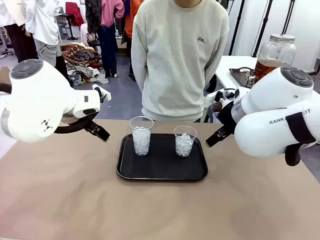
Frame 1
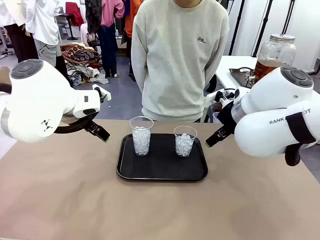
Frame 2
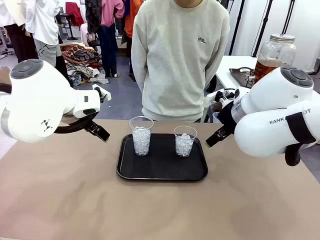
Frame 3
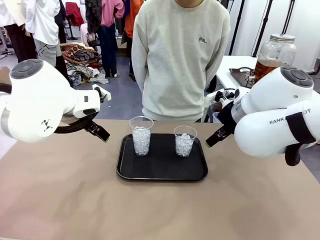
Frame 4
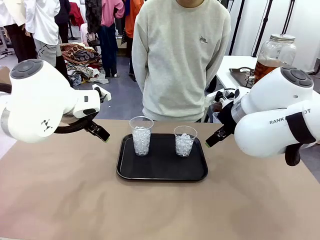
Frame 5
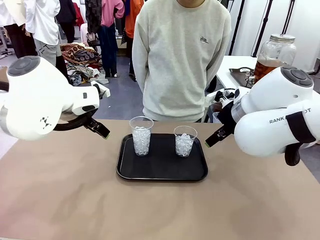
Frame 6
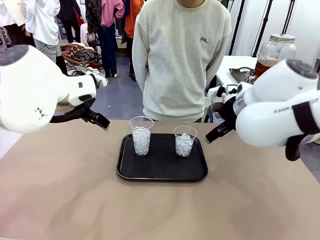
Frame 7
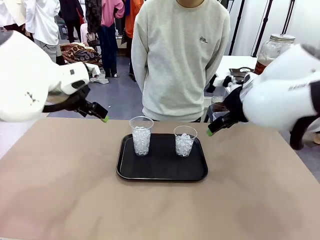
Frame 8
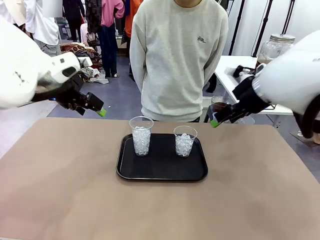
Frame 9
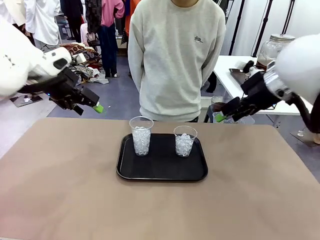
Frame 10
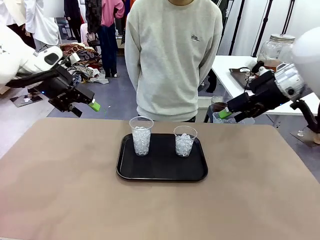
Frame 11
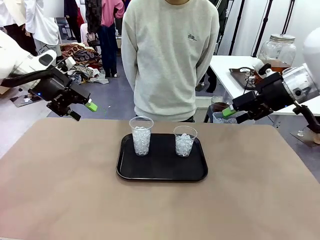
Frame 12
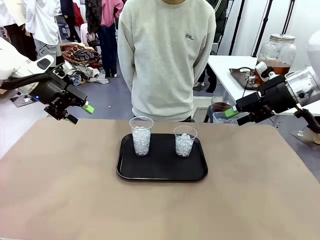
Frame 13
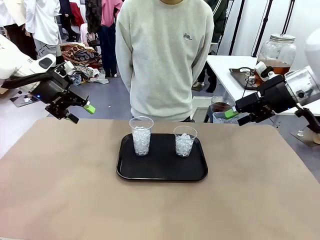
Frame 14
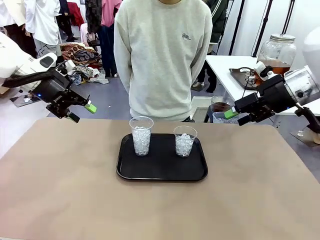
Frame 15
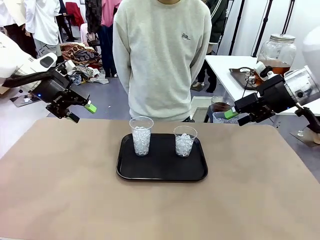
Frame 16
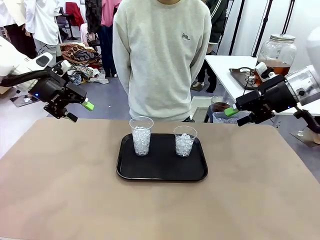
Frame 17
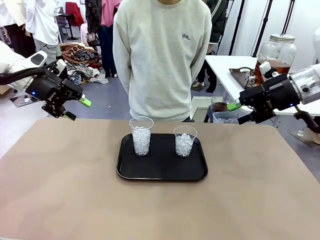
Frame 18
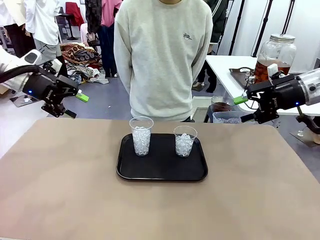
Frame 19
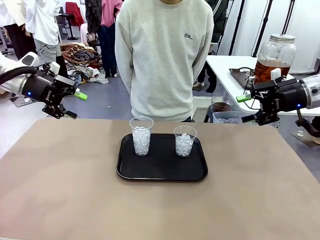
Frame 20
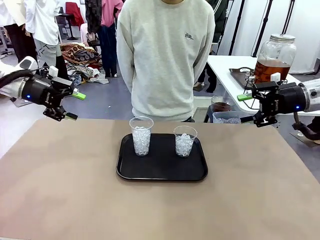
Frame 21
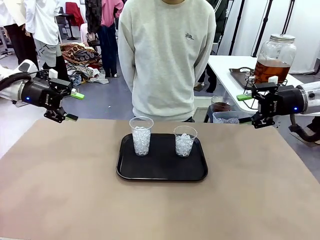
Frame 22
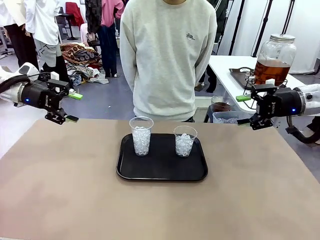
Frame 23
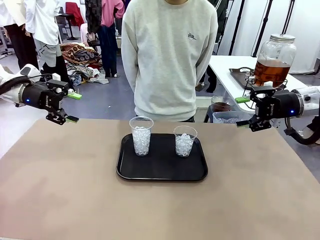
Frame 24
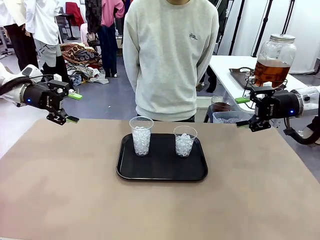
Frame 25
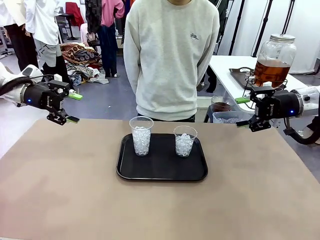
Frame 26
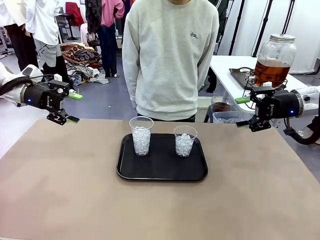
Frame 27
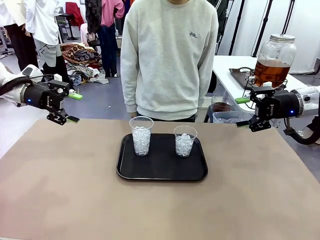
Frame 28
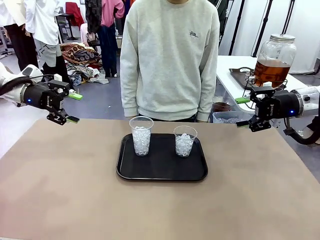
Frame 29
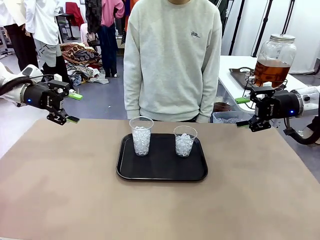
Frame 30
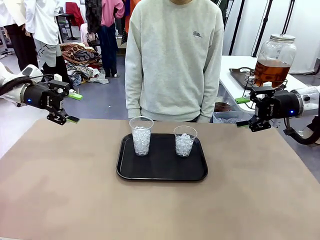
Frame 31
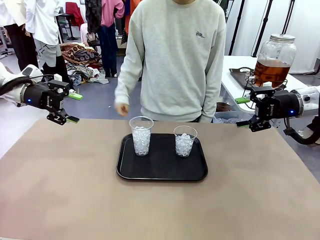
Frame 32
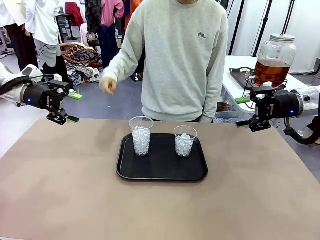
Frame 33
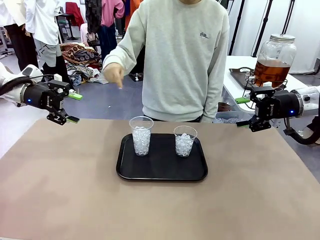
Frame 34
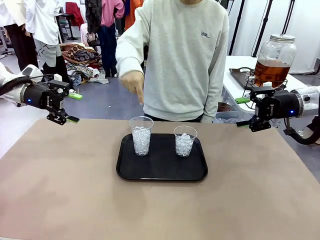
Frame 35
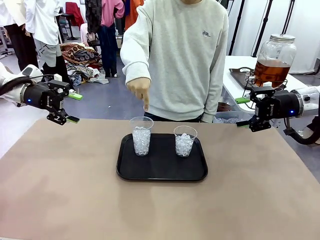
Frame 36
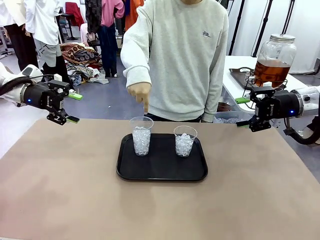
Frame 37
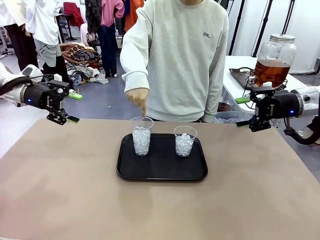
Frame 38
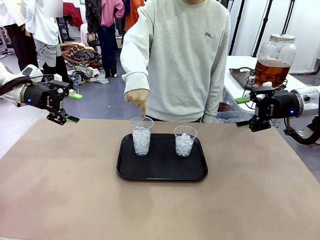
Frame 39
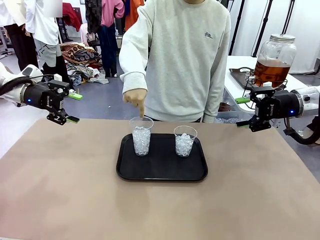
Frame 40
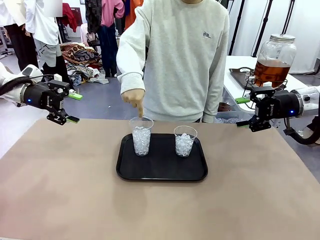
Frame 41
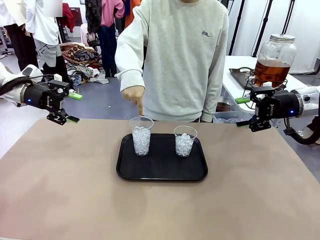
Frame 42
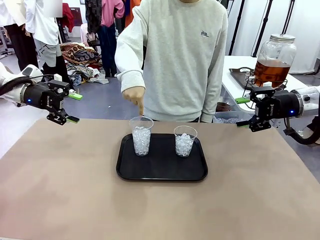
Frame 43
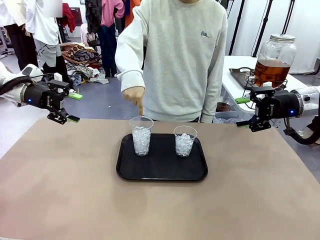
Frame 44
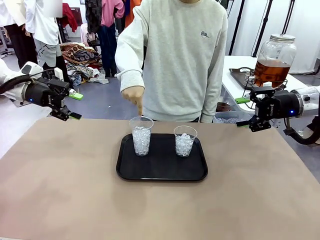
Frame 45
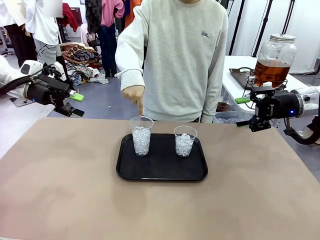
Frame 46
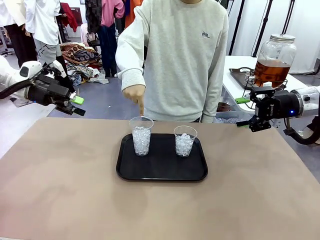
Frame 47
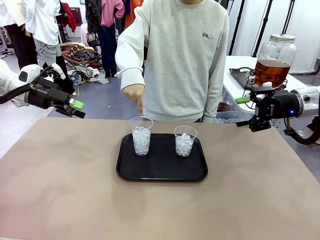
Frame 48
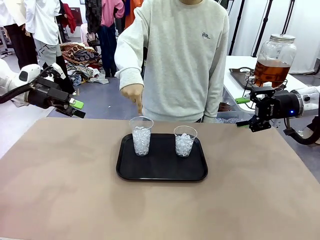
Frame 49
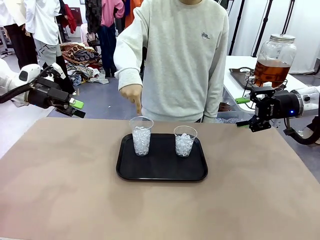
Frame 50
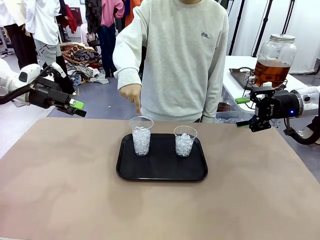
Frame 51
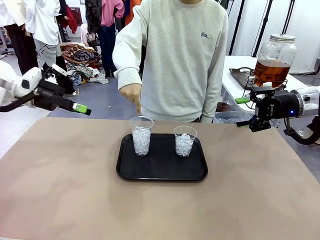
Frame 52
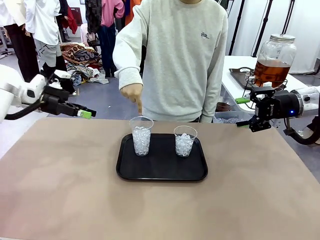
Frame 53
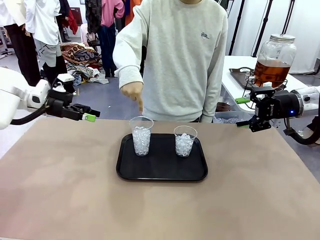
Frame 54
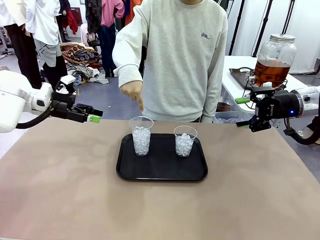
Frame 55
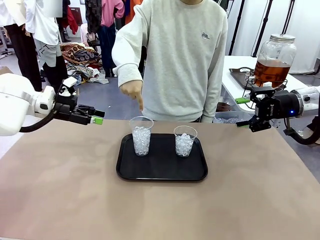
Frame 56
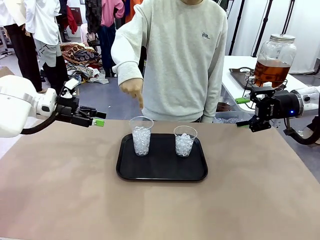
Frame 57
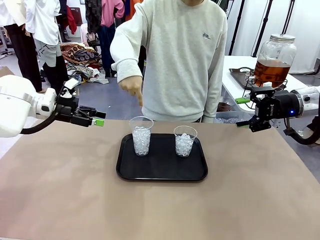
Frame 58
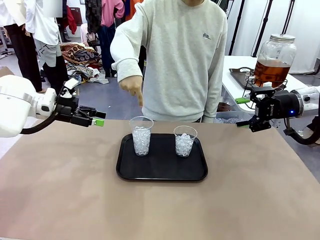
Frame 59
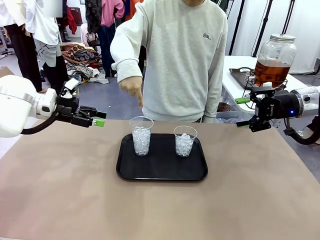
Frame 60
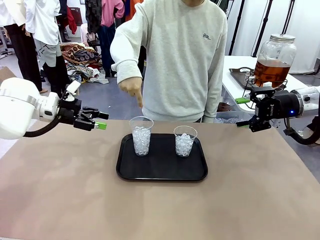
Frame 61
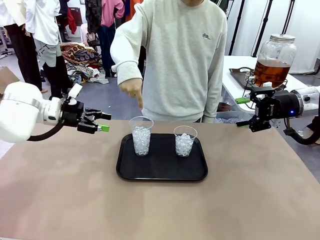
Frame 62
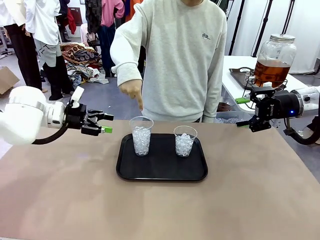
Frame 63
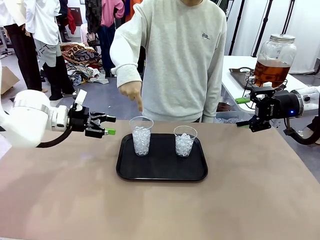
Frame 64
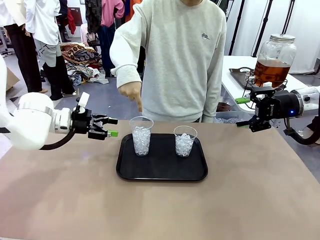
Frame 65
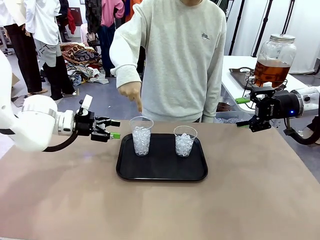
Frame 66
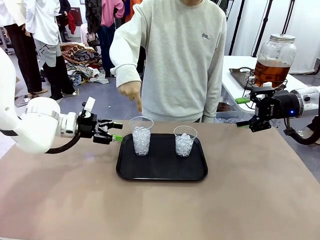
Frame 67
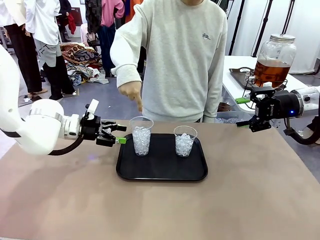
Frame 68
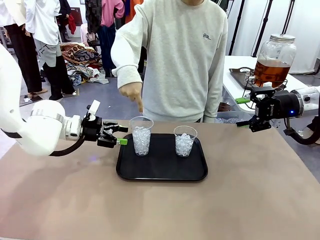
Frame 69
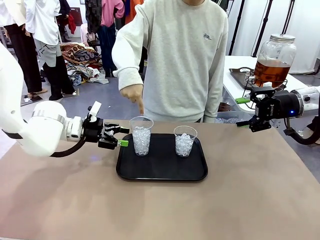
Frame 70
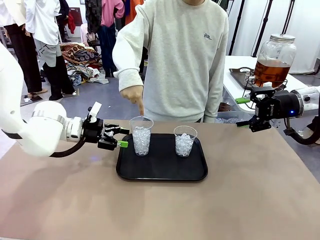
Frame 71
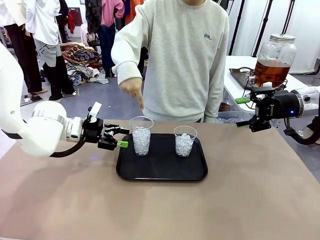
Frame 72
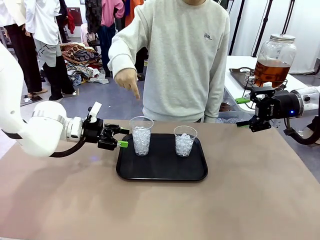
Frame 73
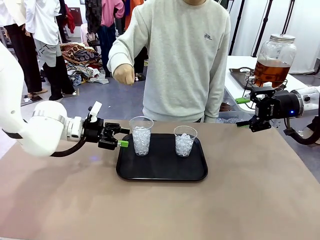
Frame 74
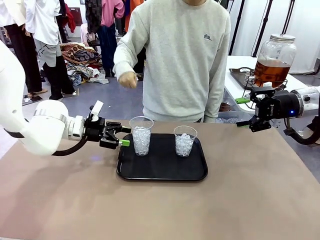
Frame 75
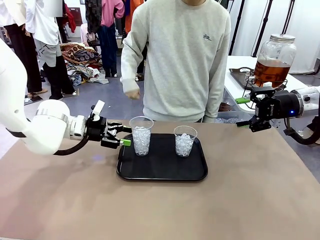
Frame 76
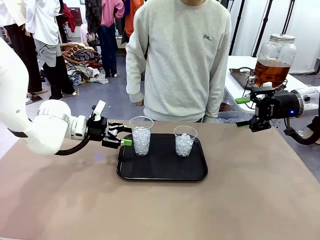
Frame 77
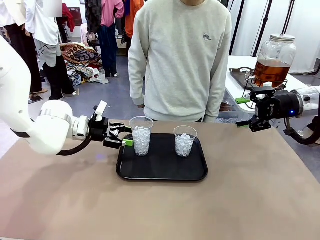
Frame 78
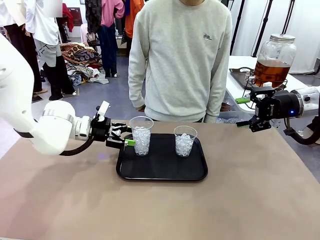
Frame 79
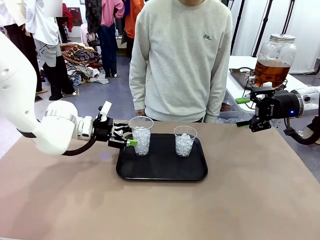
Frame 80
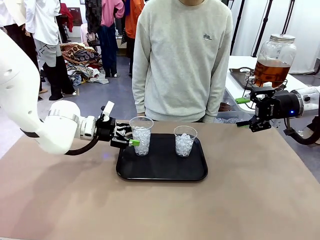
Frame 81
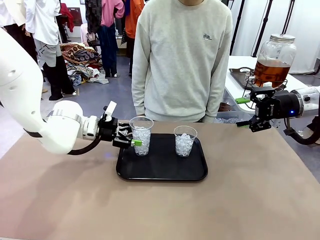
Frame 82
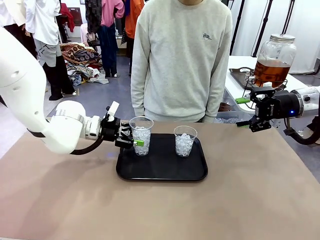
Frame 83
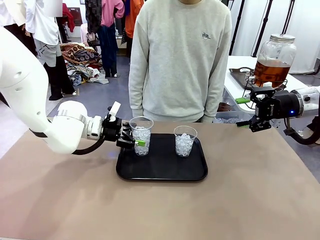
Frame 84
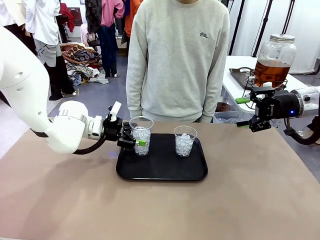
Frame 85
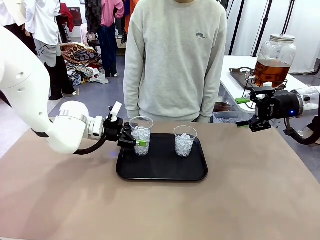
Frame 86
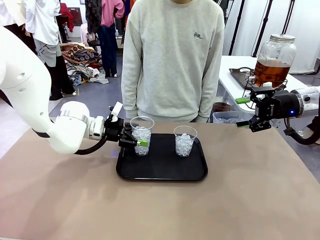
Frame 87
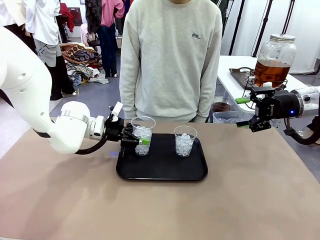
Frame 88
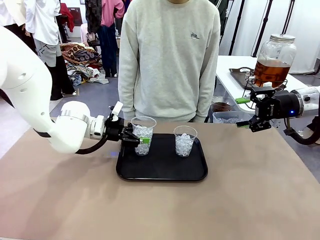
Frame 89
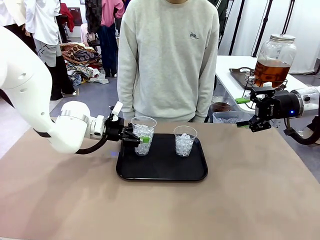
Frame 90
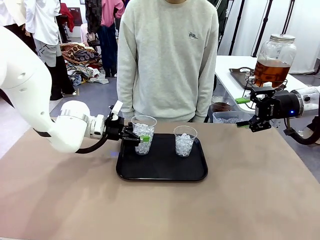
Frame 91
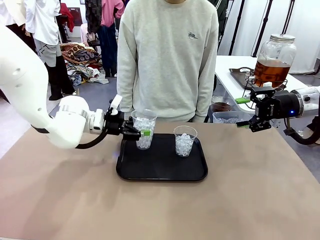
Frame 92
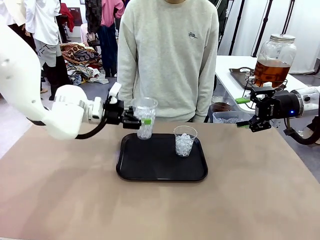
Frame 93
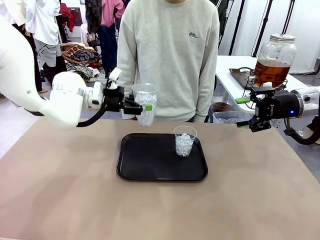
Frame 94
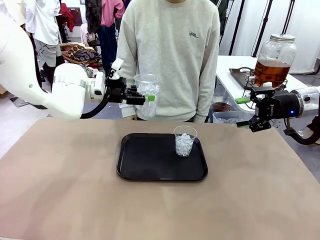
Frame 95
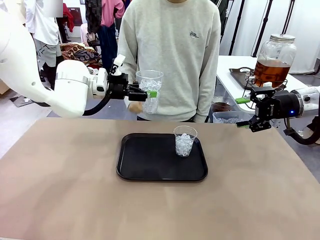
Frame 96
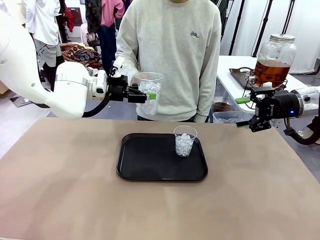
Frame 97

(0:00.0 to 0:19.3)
Task: Pour the drink into the iced cup.
Robot: Pick up the iced cup indicated by the human and present it to them.
Person: Point to one of the two ice cups. Pick up the cup offered by the robot.

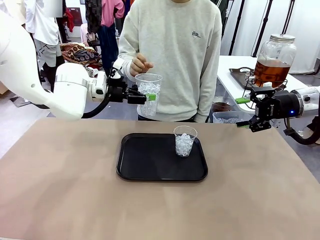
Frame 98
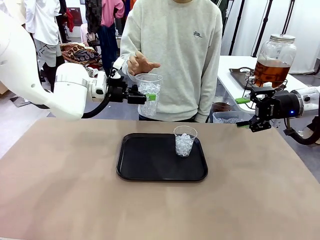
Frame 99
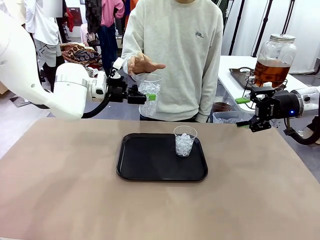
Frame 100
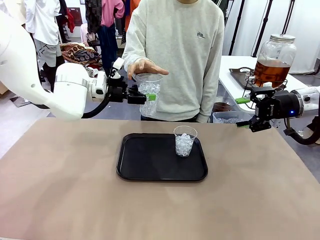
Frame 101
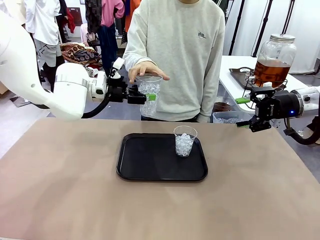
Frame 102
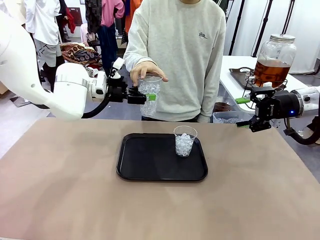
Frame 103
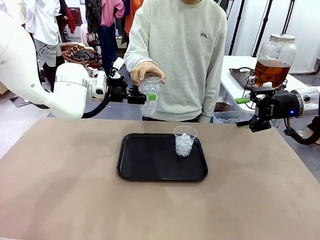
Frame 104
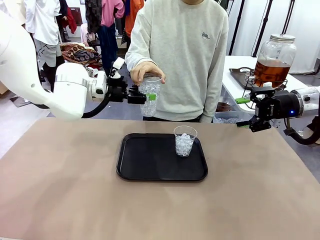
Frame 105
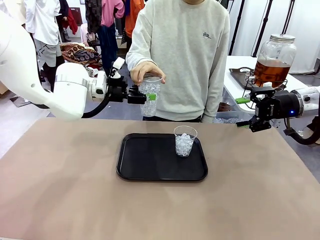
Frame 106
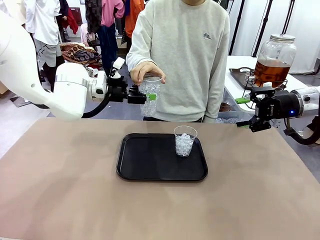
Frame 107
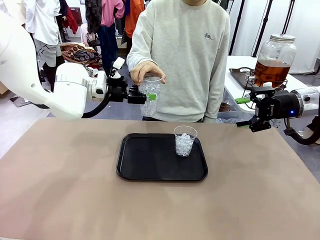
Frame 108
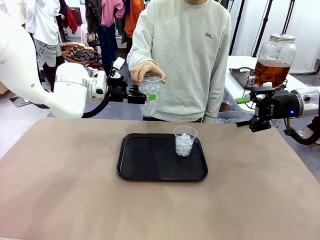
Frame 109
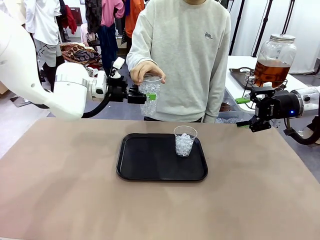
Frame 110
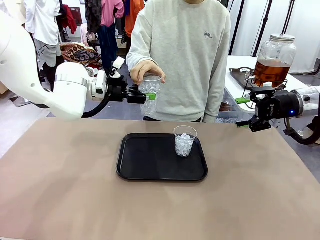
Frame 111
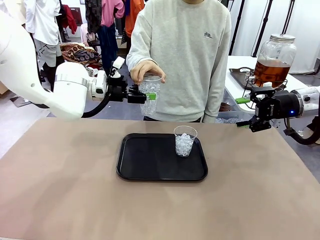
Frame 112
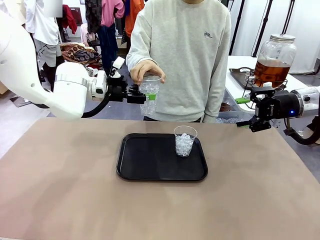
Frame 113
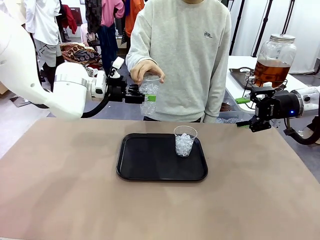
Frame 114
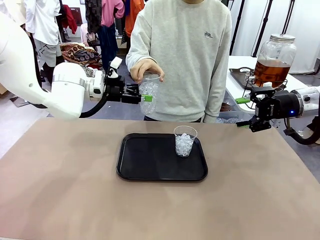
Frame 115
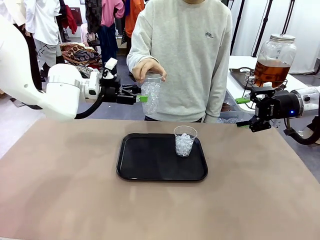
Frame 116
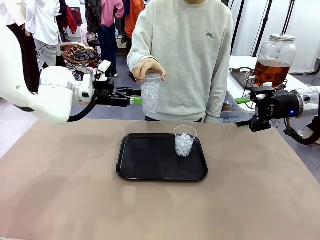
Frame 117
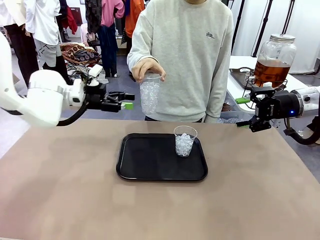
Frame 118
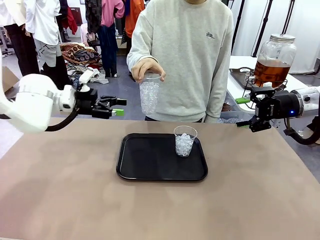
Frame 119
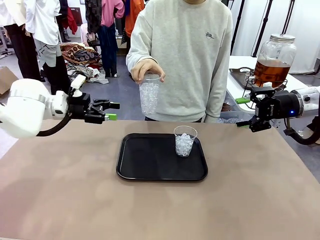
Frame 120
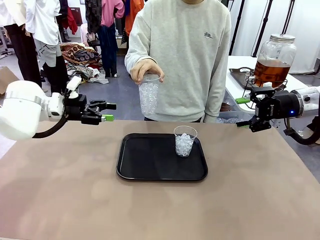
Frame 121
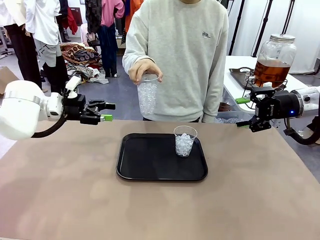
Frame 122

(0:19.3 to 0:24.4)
Robot: Open the gripper to release the iced cup you were holding.
